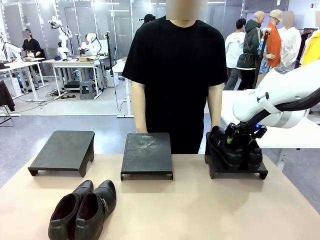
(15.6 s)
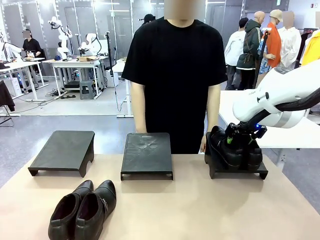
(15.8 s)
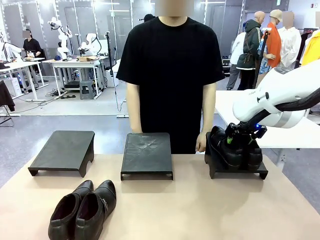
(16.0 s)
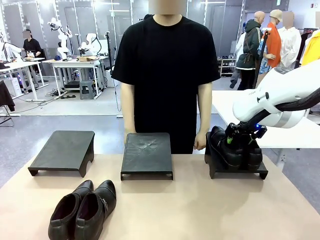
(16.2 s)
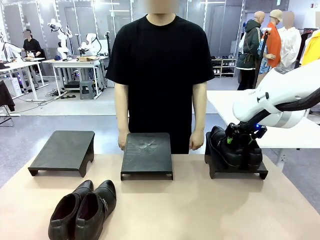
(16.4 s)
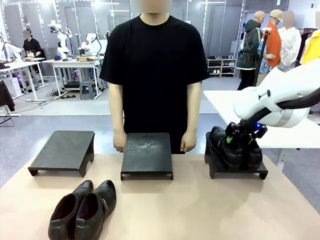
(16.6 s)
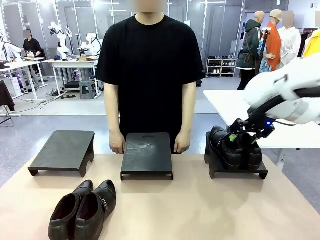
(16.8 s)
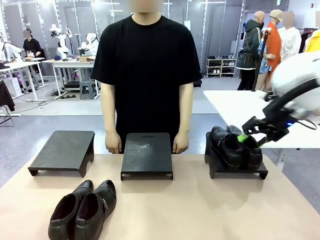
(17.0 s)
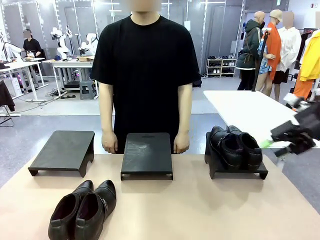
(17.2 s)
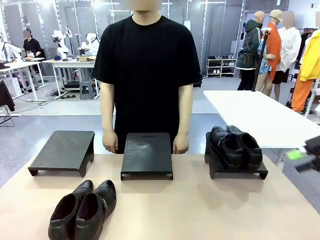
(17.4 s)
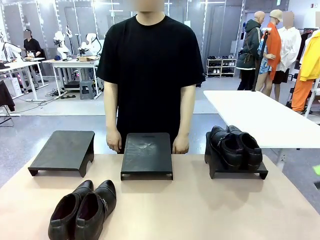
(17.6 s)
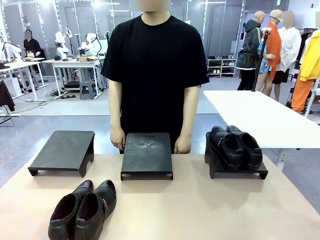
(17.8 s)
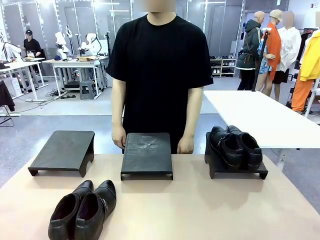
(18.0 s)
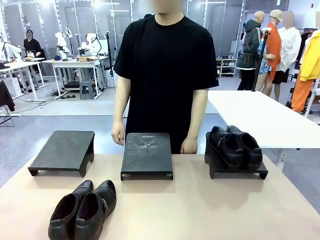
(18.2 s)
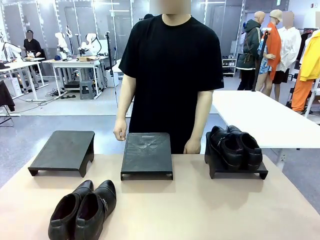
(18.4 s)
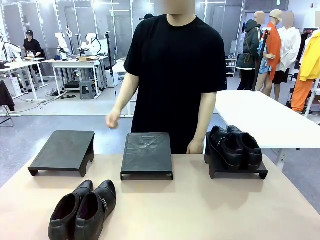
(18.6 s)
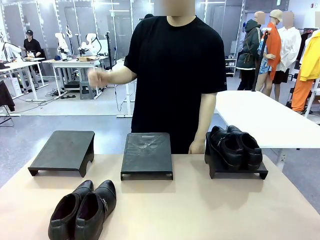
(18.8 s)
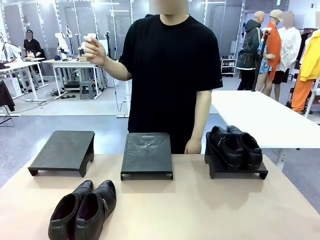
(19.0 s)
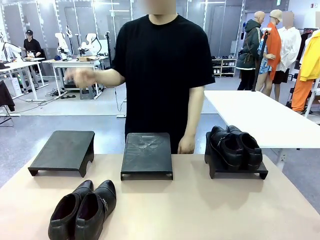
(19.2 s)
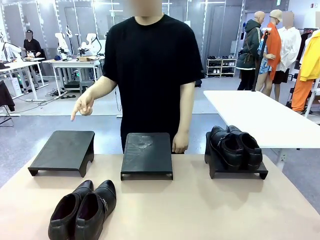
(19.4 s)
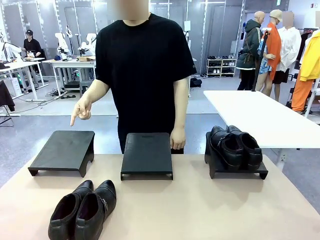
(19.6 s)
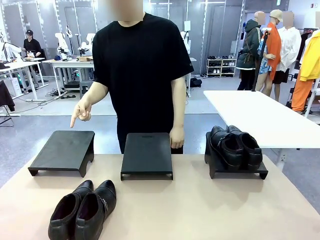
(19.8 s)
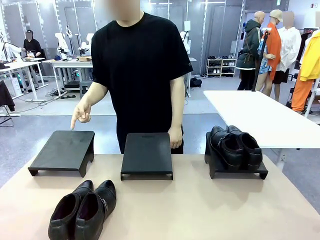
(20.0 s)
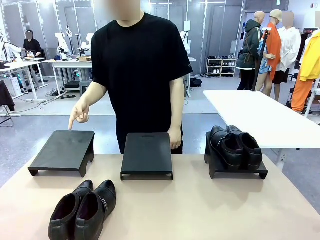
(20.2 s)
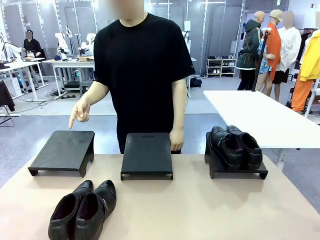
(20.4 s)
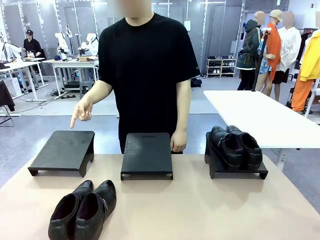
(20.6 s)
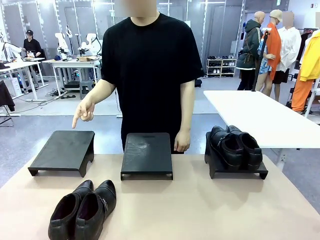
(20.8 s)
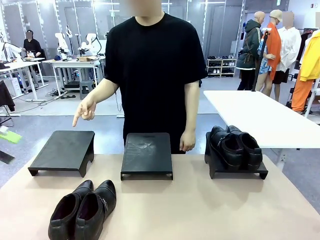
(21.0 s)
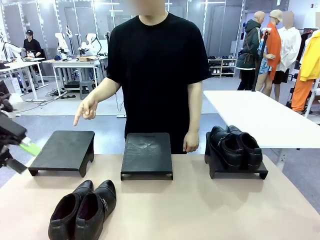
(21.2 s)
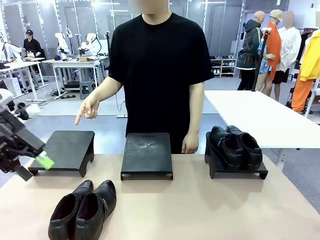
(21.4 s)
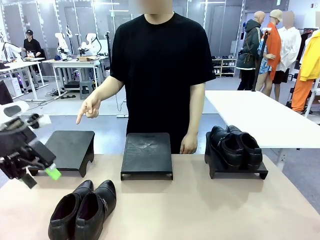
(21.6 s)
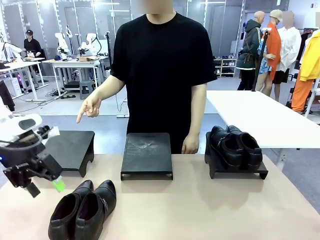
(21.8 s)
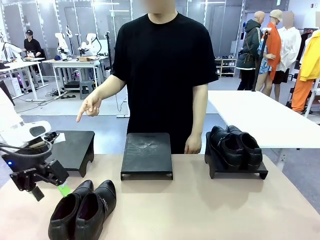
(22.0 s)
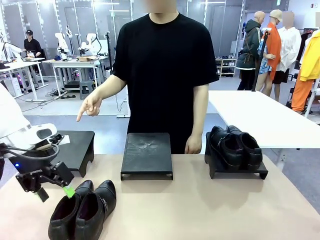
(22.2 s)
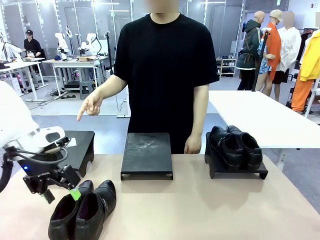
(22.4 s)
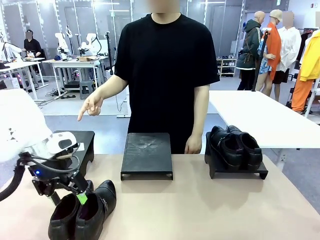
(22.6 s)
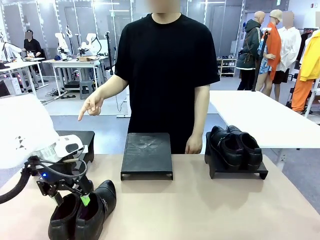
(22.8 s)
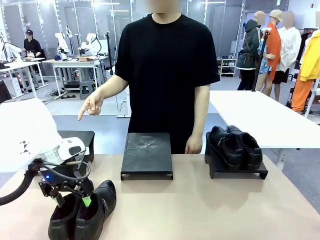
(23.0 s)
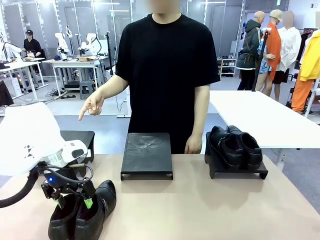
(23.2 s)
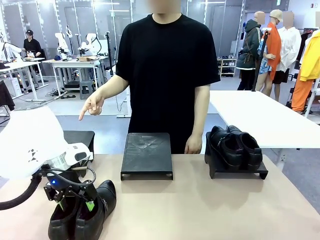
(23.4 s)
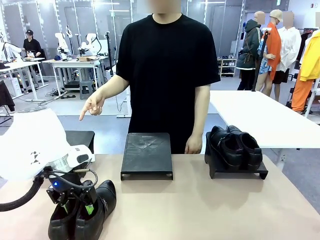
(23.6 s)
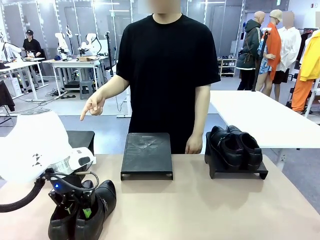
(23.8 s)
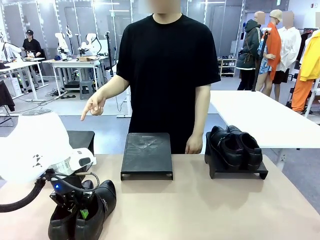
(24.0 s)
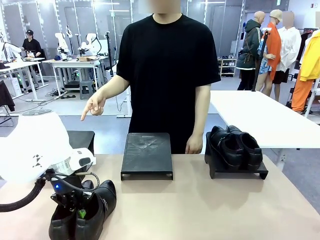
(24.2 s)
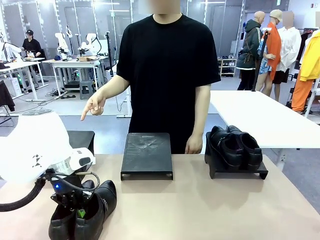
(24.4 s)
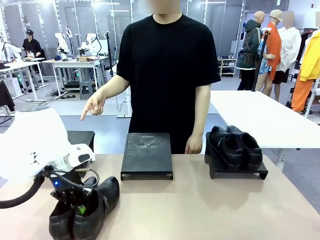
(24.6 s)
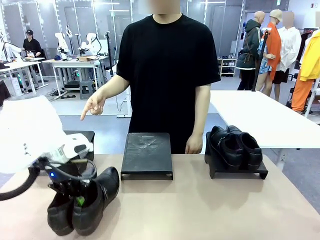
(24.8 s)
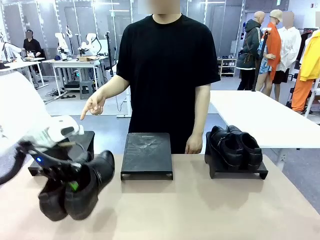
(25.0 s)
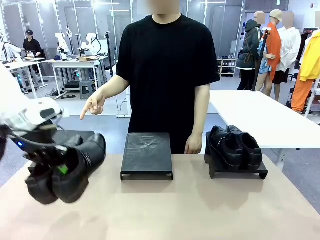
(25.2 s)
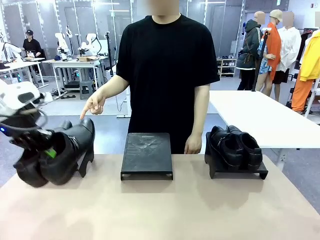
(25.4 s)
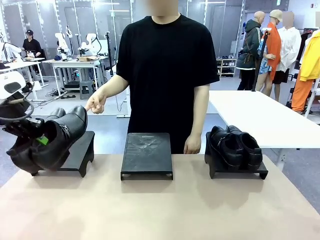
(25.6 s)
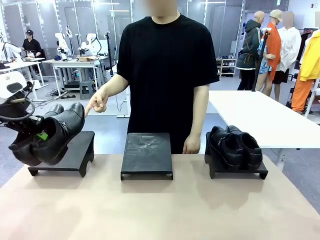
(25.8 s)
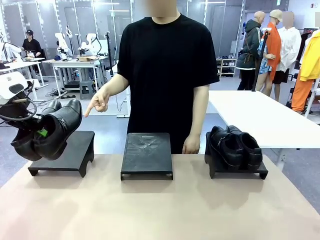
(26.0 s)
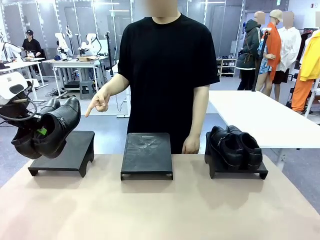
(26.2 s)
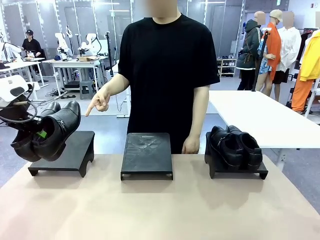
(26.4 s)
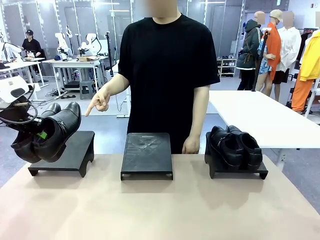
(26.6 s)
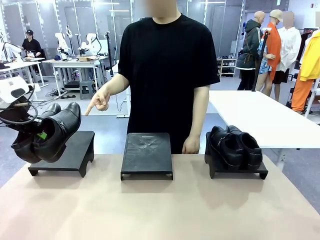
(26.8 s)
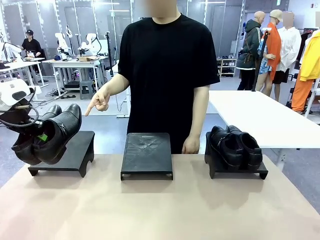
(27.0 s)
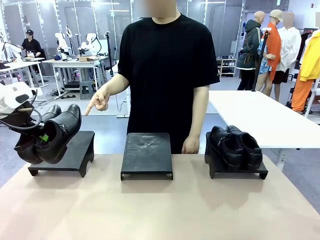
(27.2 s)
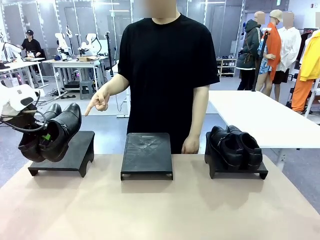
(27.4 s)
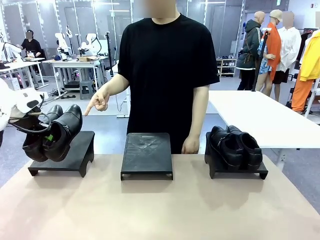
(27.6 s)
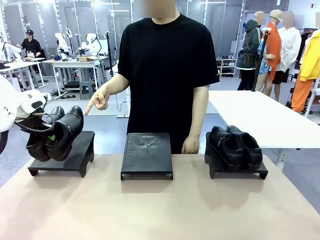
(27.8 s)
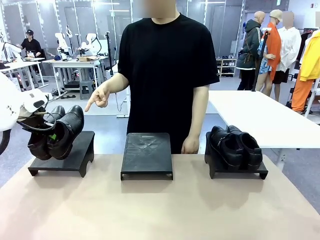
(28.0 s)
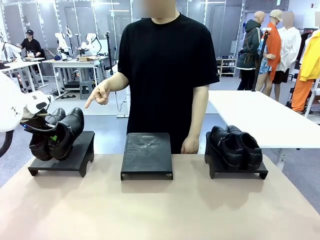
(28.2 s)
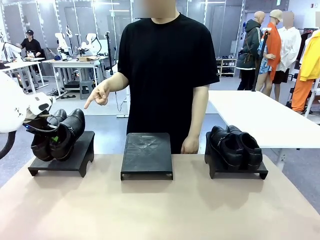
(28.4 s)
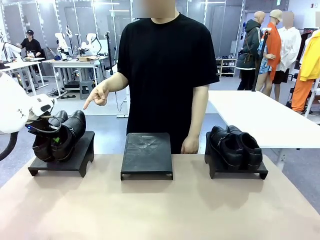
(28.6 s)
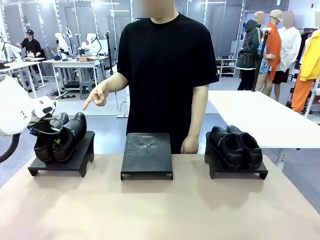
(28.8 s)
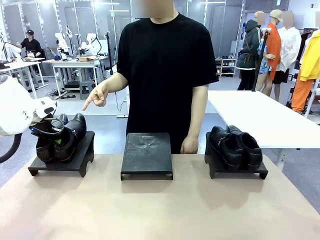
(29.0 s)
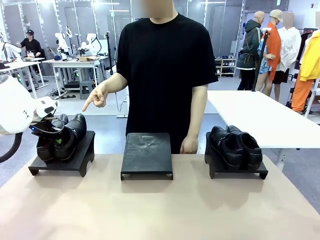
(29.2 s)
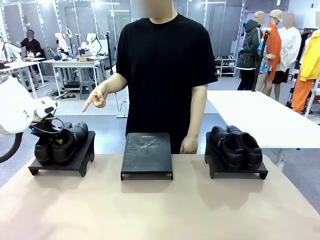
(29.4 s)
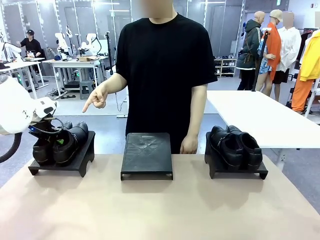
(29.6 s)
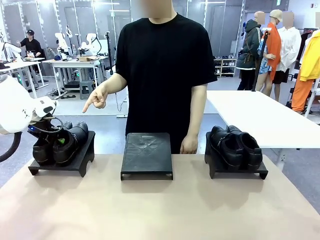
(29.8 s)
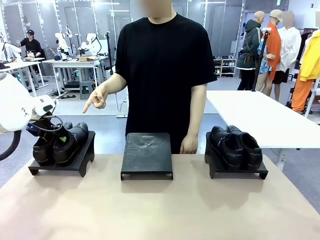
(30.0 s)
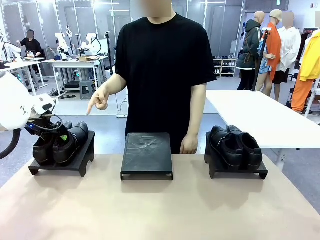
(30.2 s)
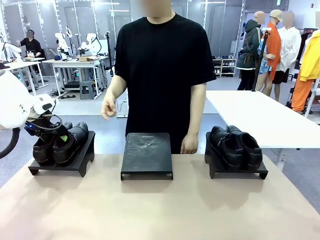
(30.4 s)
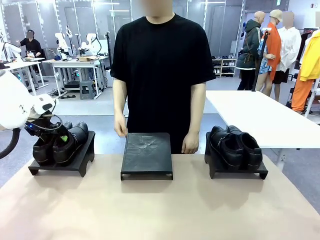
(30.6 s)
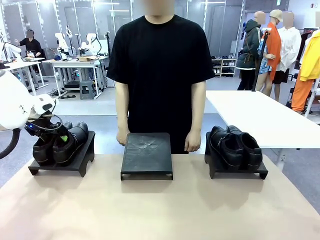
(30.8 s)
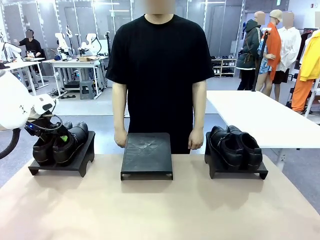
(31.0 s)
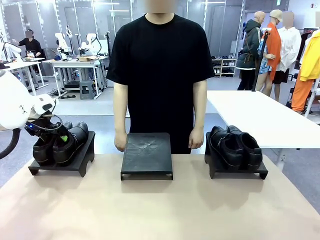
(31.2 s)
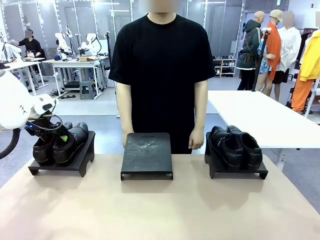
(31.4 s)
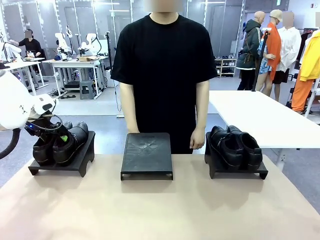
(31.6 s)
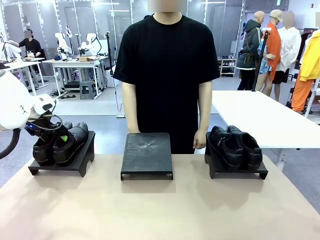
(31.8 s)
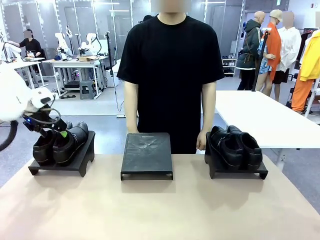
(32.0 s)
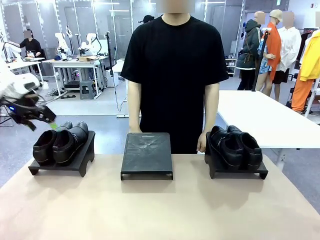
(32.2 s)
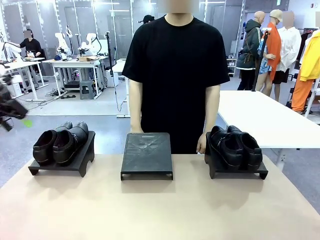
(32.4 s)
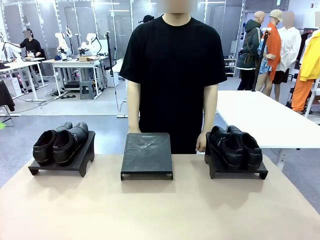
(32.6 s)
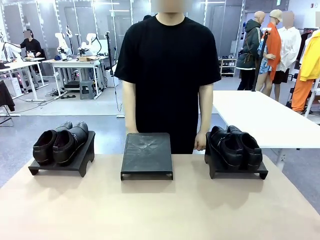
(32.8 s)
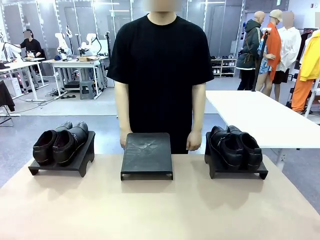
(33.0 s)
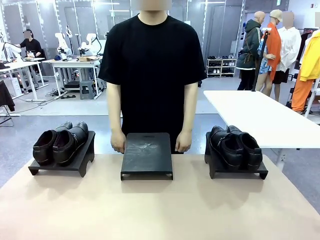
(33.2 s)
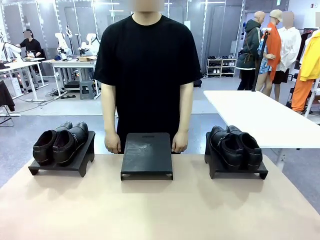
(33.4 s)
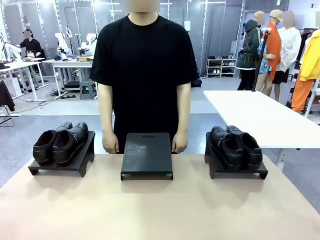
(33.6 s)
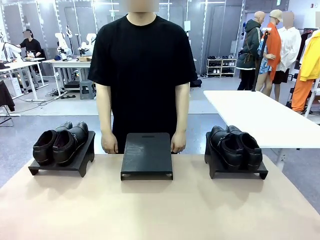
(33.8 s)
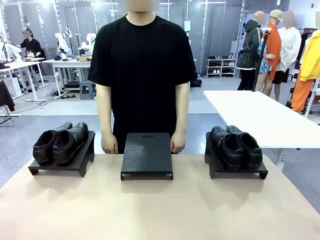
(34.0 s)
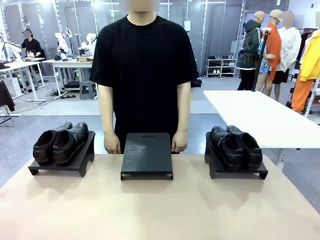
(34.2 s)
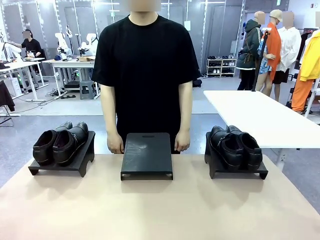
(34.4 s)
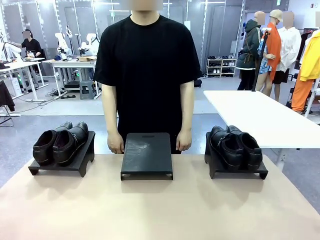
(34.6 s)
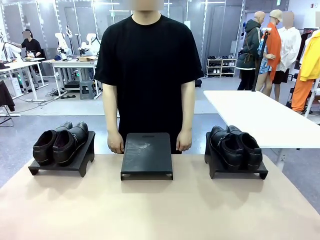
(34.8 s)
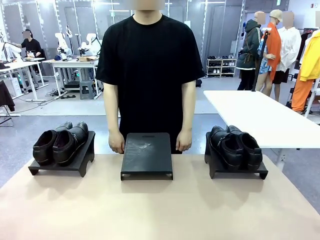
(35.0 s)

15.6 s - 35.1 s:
Task: Place the shoes on the stand as instructed by the person.
Robot: Pick up another pair of Shoes and place it on the Shoes Stand indicated by the person.
Person: Point to one Shoes Stand.
